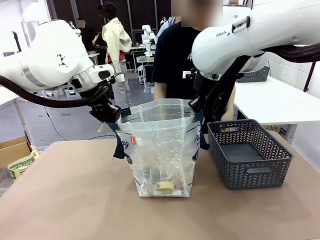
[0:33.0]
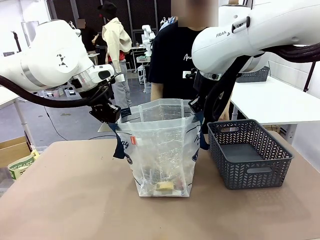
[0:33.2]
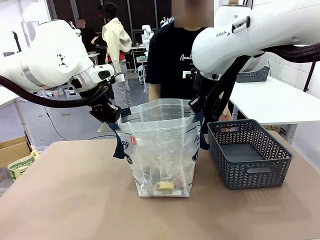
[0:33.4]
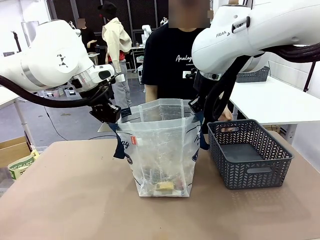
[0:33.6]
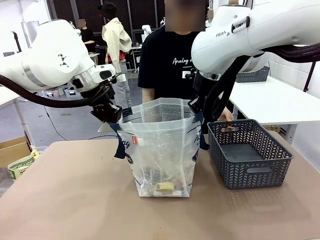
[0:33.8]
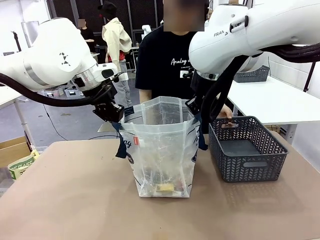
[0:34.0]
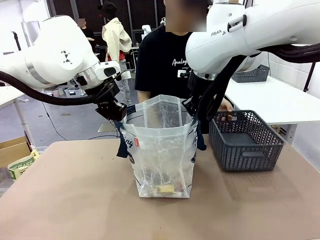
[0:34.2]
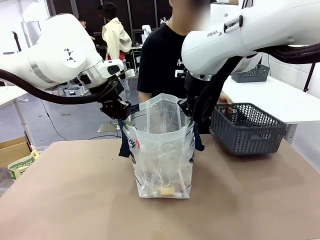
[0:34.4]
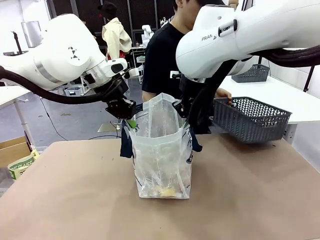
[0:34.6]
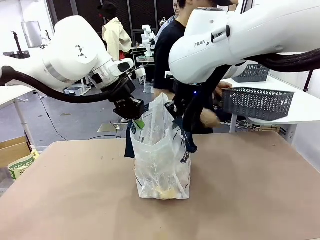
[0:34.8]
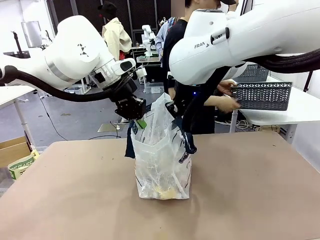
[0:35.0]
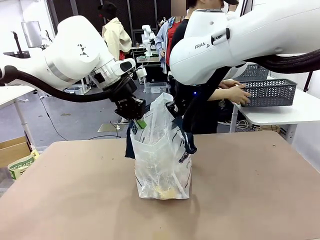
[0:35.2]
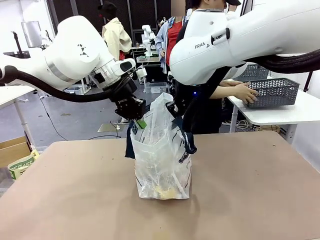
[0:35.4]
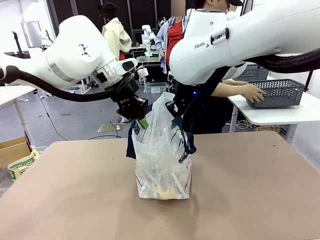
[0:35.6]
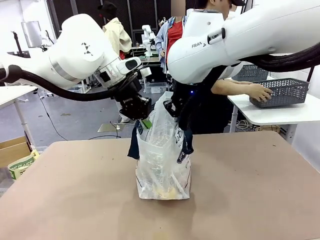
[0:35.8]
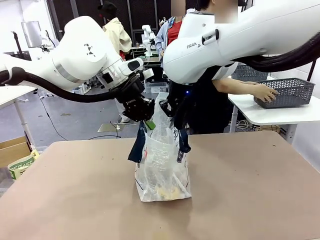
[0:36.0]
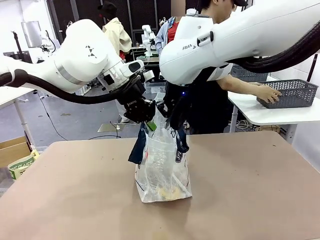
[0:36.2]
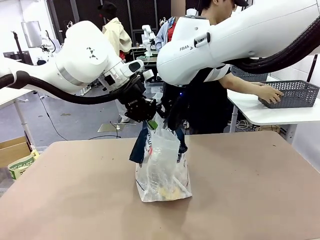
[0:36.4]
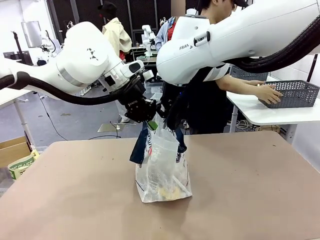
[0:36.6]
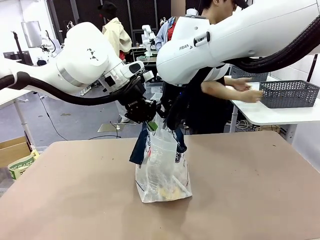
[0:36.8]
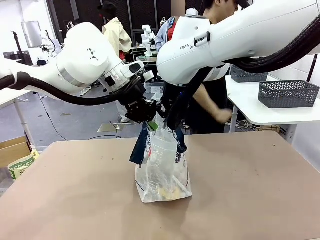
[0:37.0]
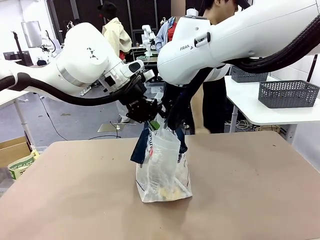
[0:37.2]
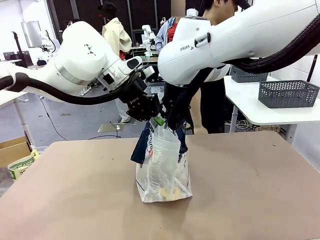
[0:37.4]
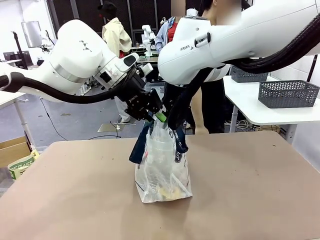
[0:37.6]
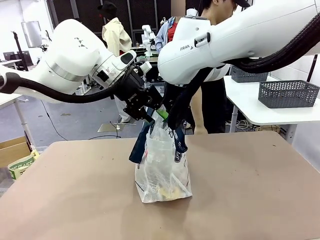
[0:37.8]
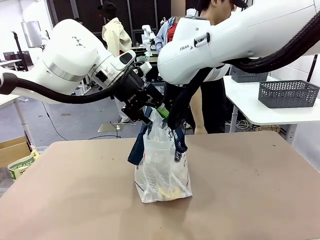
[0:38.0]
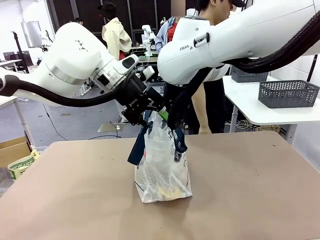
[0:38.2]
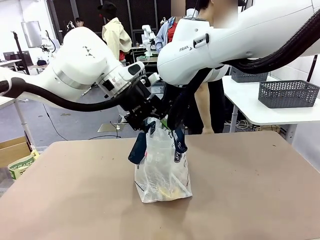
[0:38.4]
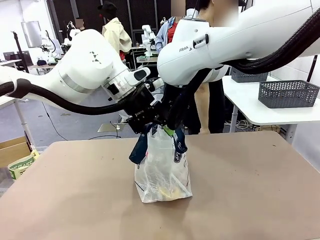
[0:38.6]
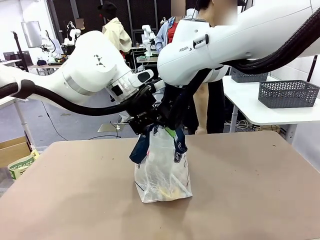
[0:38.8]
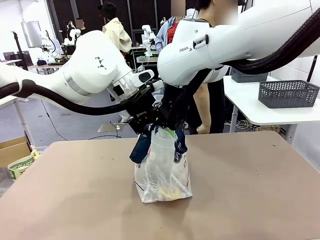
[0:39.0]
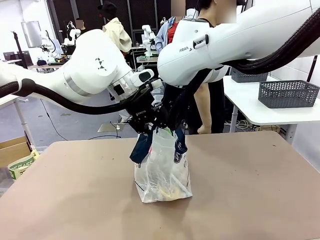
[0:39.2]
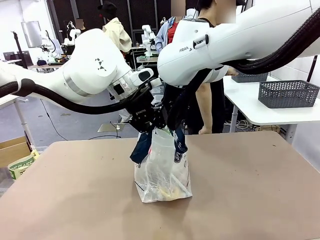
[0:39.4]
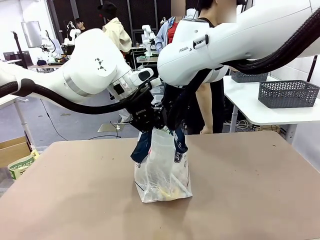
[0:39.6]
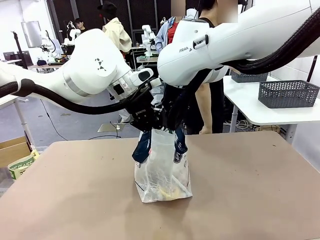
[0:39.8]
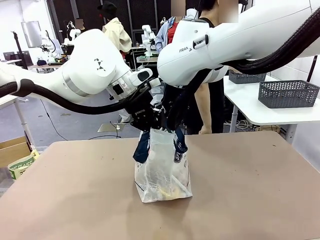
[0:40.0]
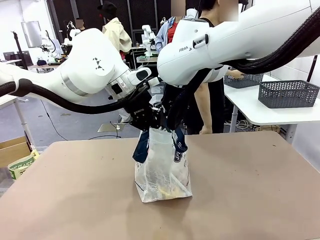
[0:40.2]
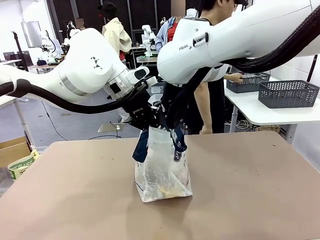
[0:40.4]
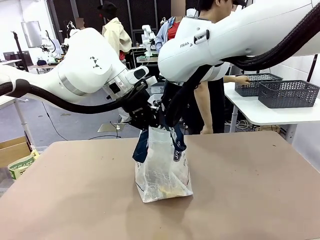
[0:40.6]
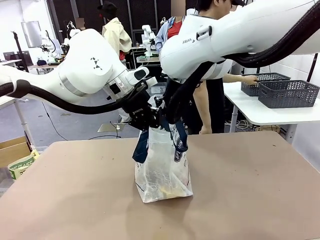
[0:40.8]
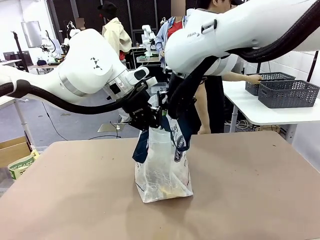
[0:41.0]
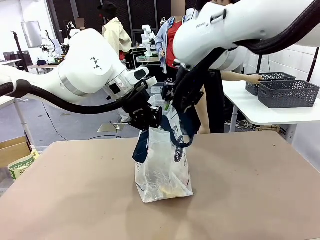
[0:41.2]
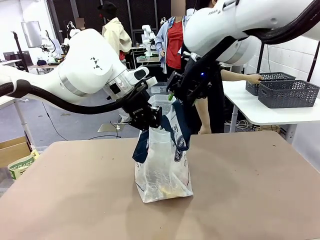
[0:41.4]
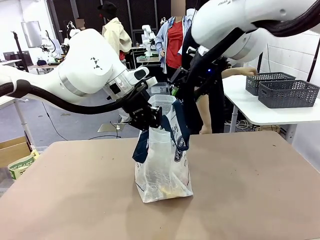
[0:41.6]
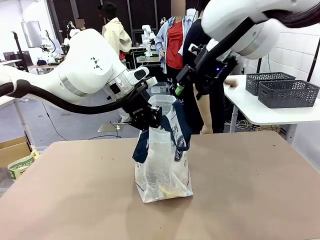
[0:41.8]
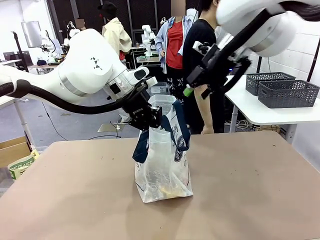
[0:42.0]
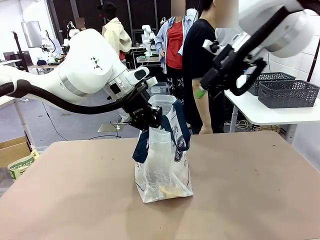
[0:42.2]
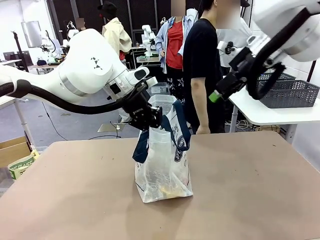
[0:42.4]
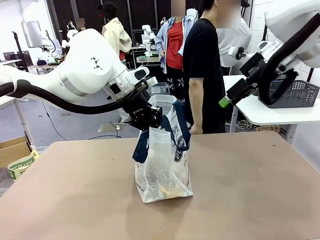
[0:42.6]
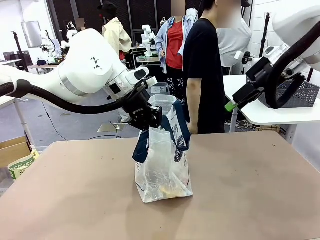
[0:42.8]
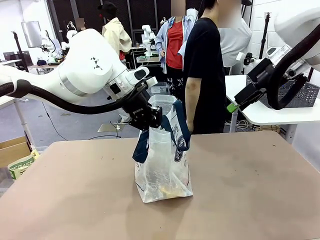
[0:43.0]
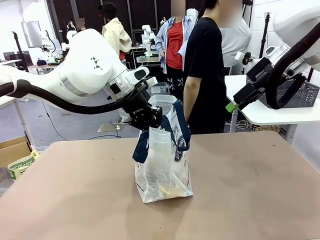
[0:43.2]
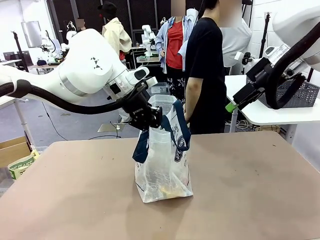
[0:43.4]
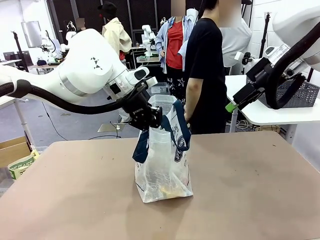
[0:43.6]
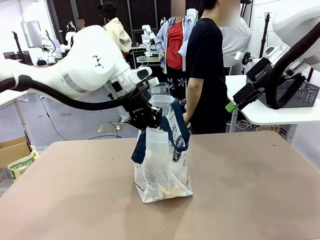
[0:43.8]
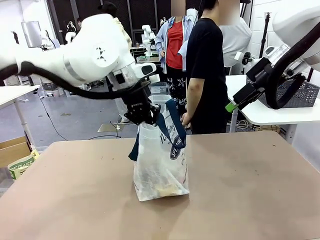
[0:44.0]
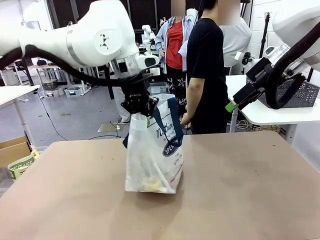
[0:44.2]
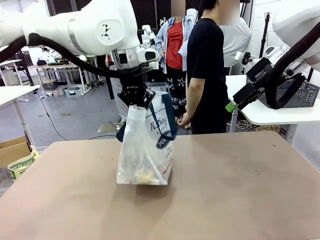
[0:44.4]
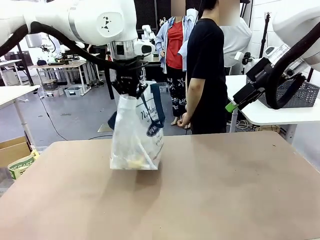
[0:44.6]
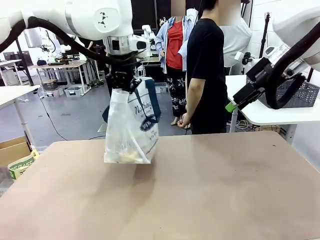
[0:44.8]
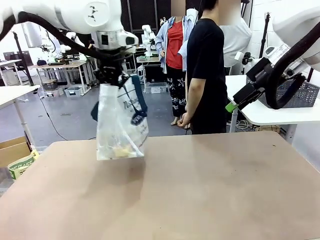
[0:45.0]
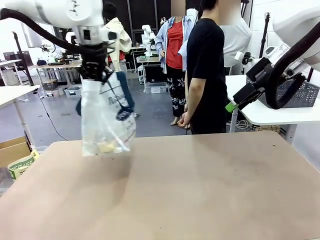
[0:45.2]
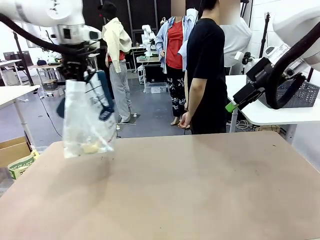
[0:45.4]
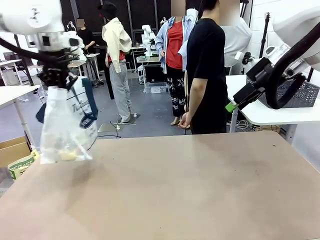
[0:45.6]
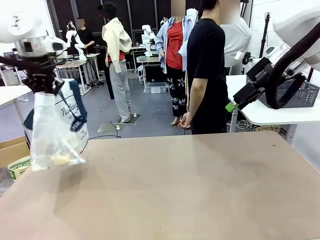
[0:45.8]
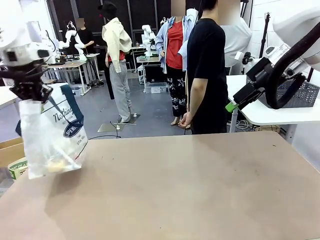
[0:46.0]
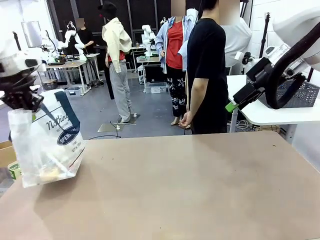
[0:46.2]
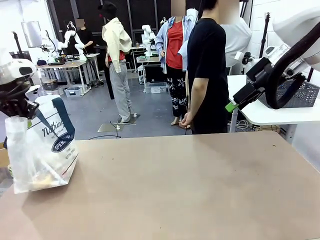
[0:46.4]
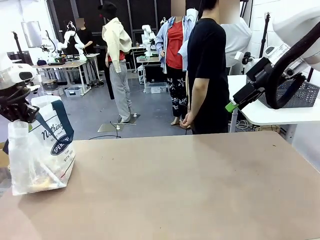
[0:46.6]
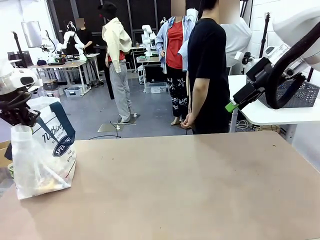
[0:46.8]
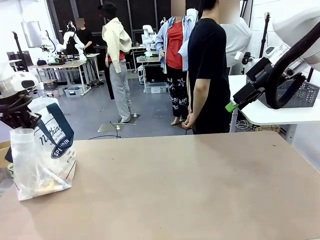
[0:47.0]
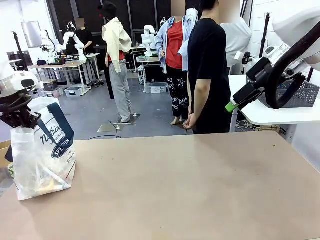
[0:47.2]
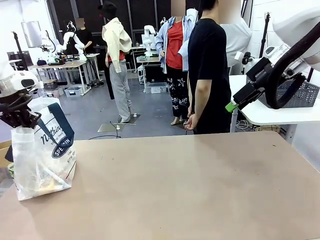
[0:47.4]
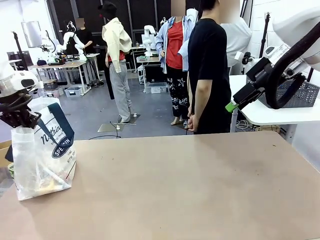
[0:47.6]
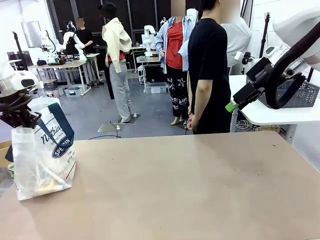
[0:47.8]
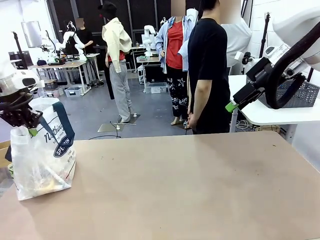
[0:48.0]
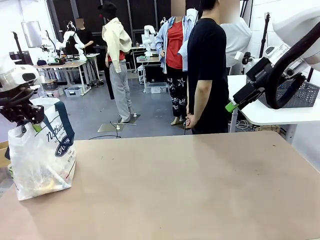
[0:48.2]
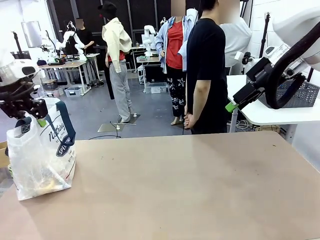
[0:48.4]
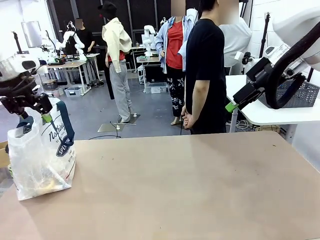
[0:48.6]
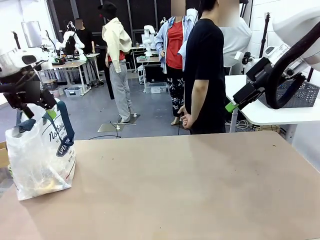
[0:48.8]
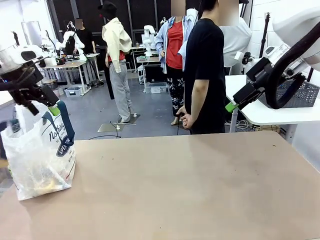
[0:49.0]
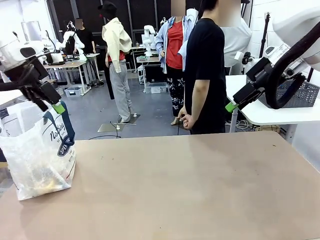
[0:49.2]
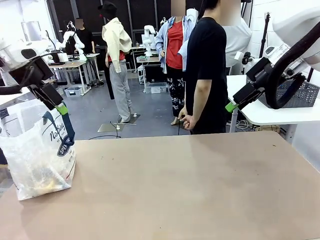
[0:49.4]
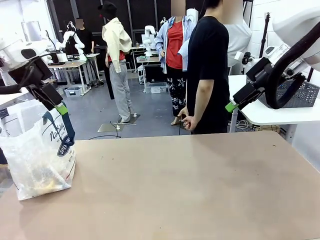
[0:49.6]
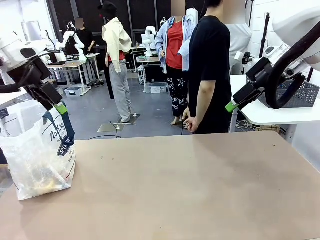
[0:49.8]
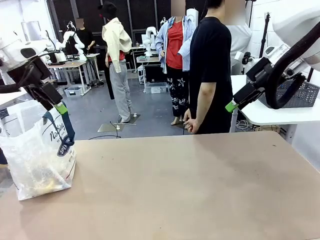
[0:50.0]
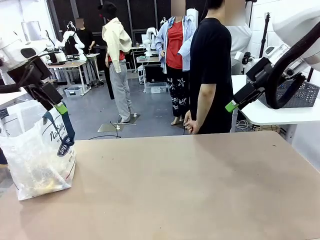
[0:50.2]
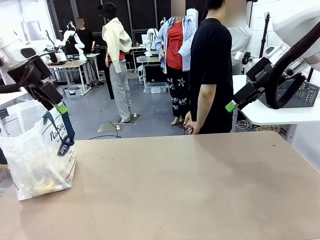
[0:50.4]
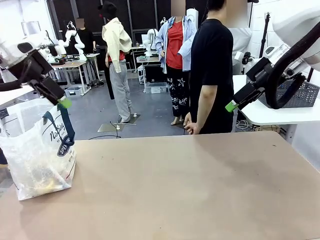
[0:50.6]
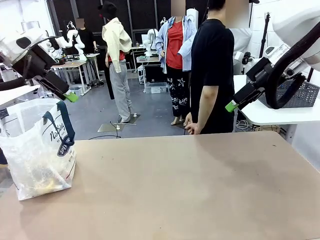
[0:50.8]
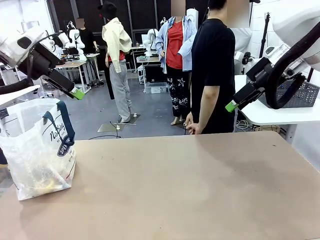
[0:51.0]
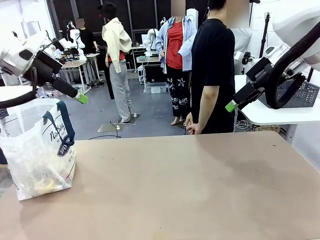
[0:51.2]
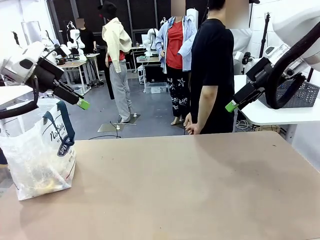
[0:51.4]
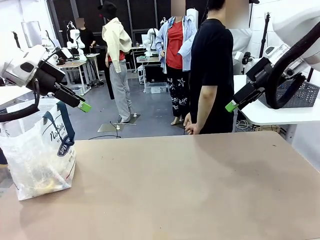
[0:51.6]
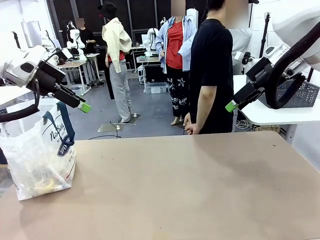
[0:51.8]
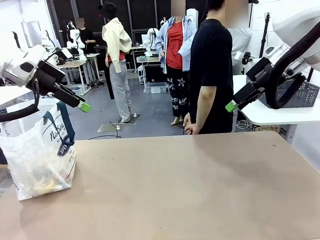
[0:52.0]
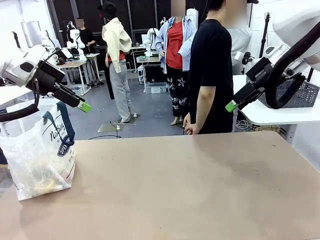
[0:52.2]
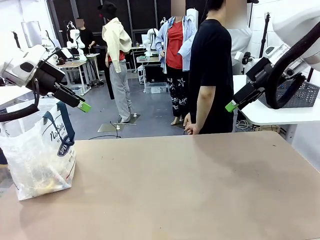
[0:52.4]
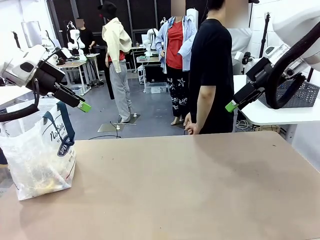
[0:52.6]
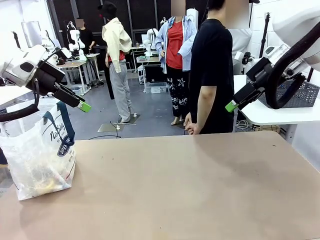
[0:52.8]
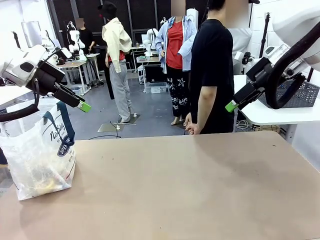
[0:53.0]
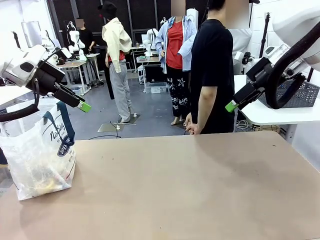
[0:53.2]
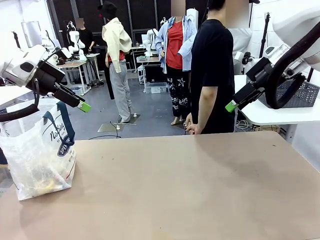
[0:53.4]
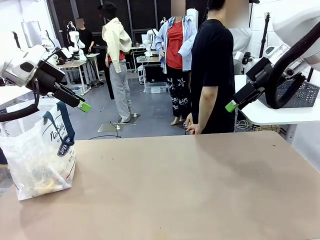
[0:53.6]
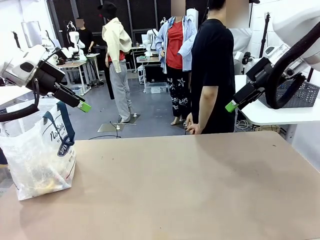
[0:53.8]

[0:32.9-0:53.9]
Task: Transfer purchased items from the store into the shopping bag.
Robot: Move the Reusable shopping bag to the right side of the table.
Person: Pick up the basket with the items out and place it on the right side of the human table. Move the basket on the left to the middle of the person's table.
